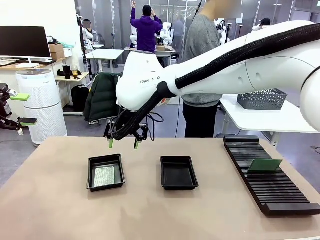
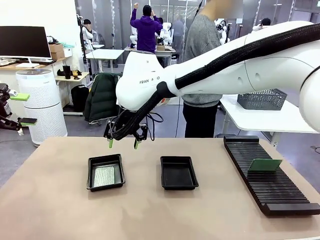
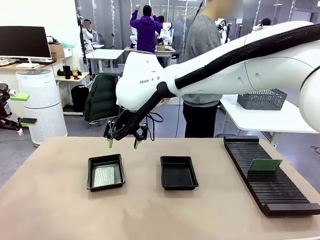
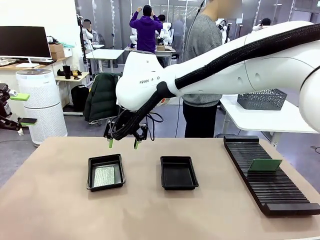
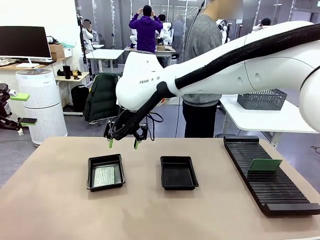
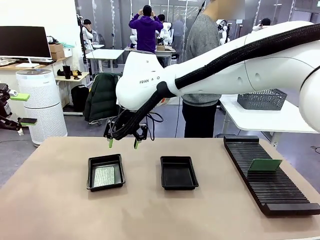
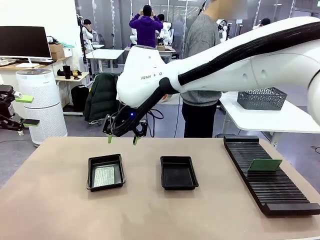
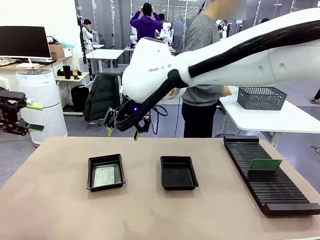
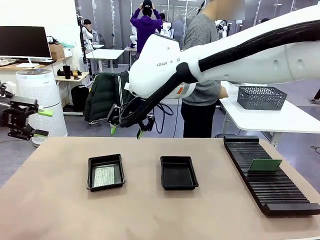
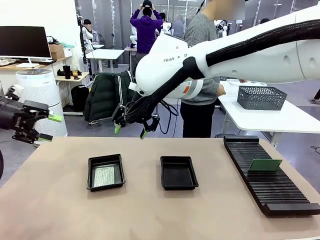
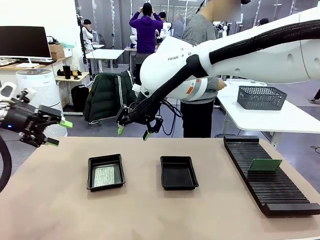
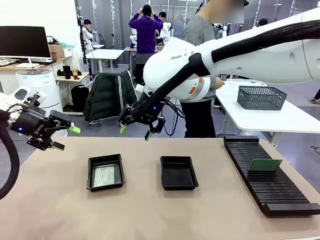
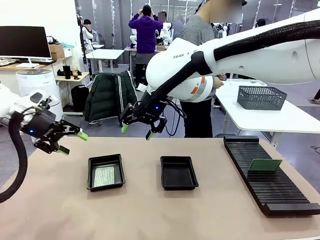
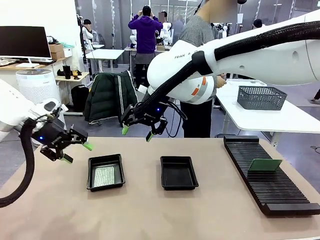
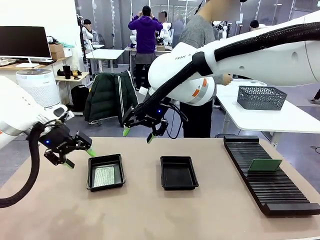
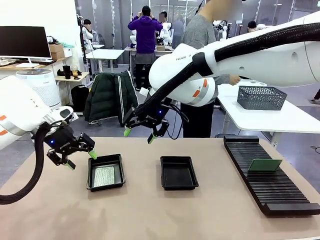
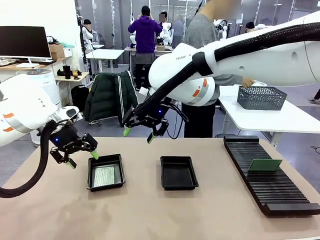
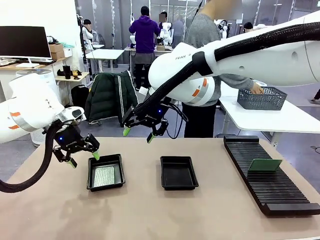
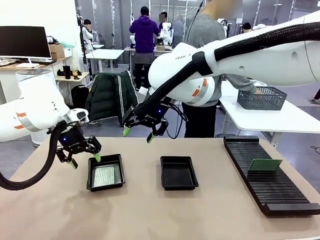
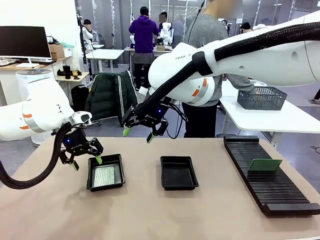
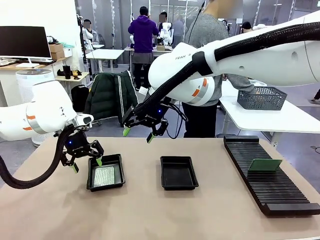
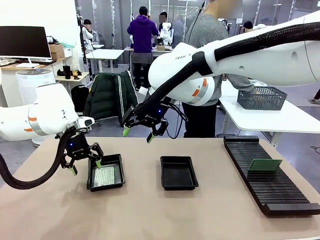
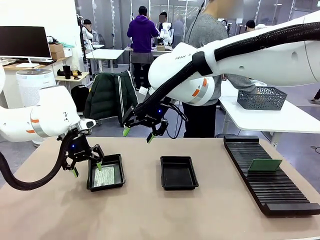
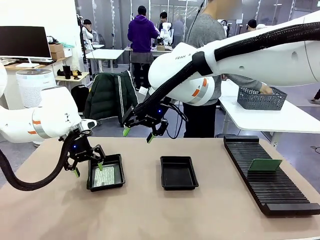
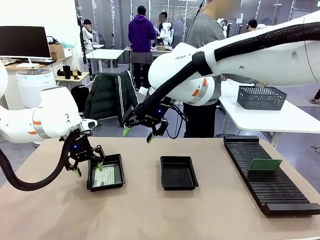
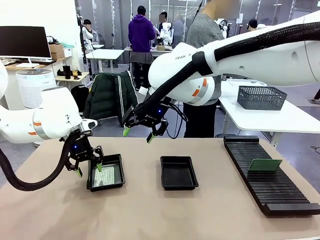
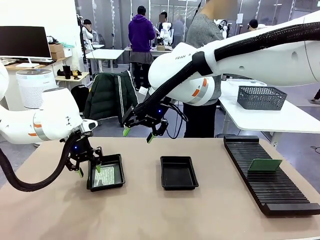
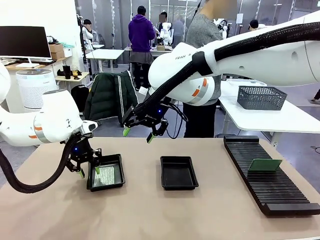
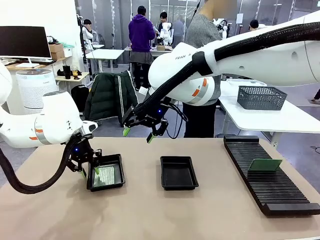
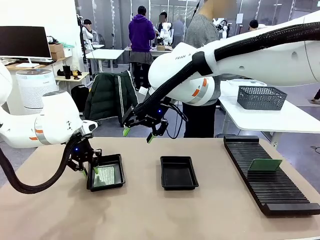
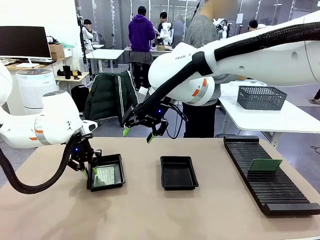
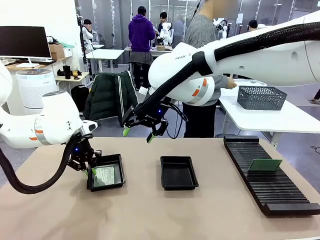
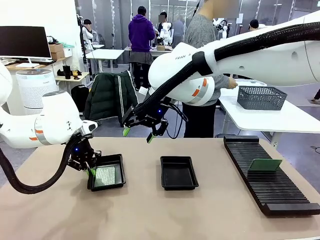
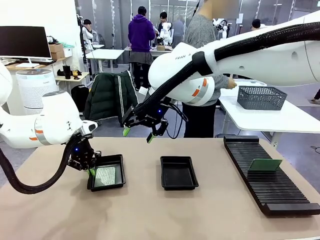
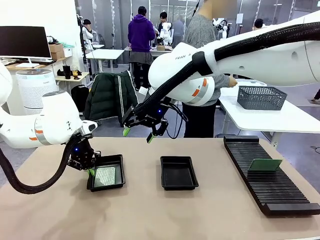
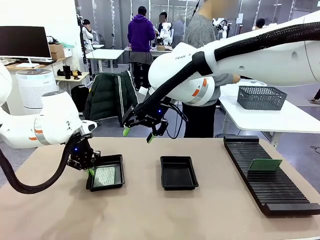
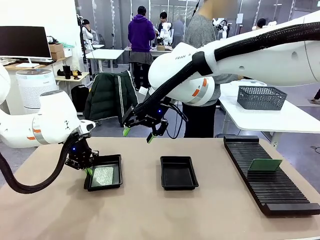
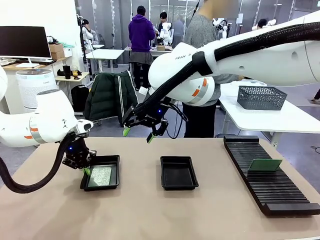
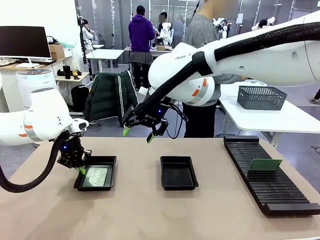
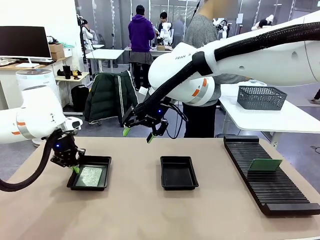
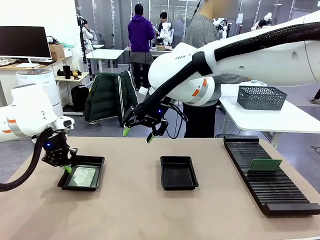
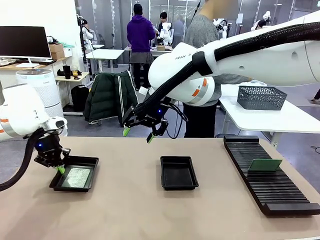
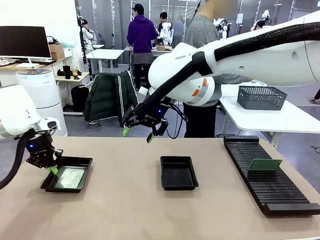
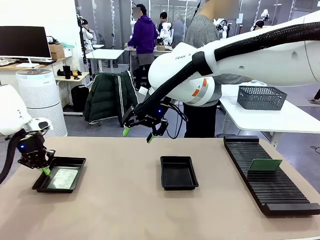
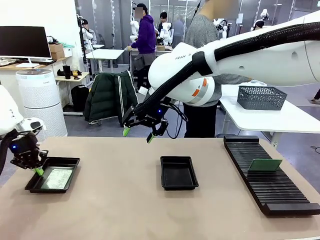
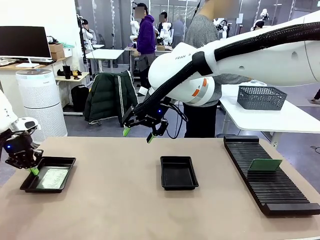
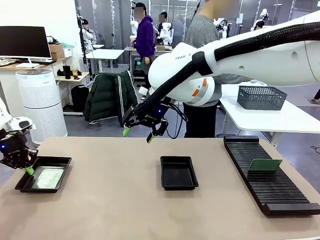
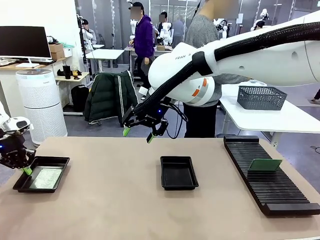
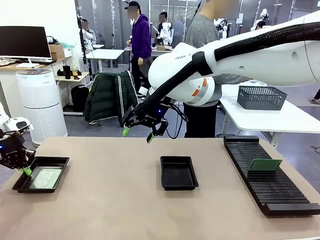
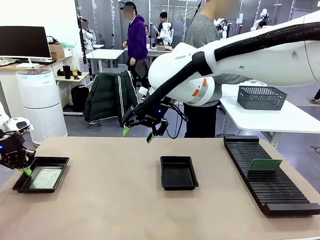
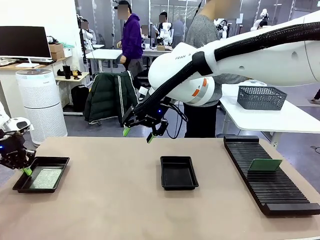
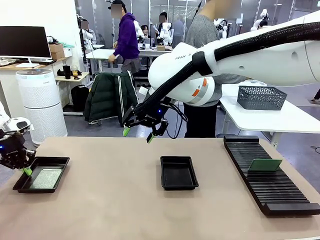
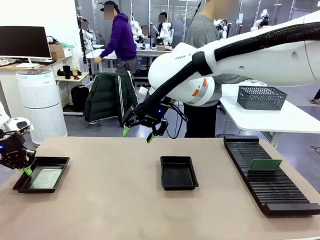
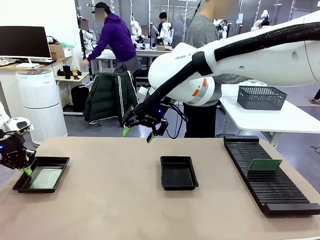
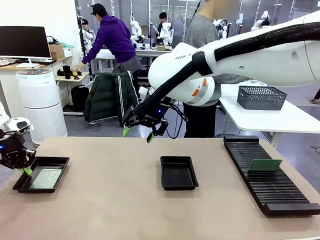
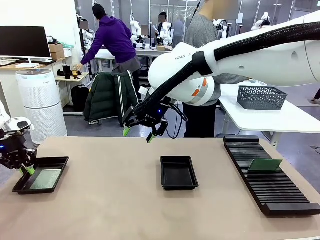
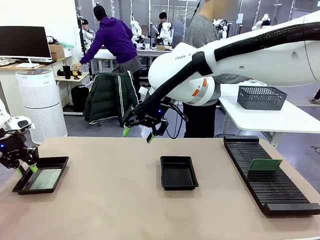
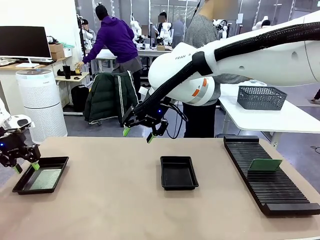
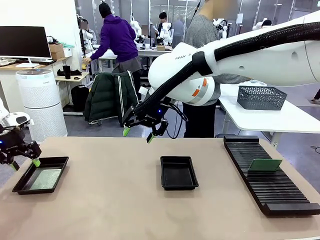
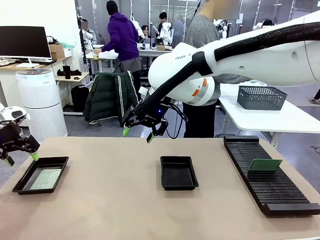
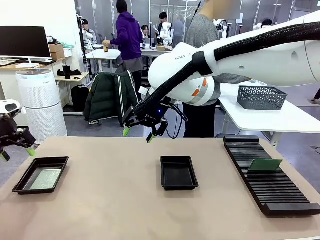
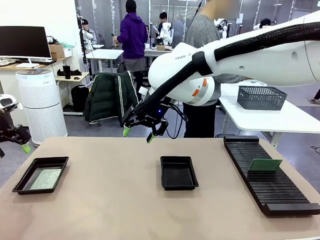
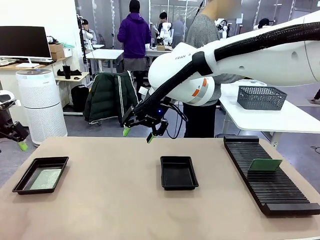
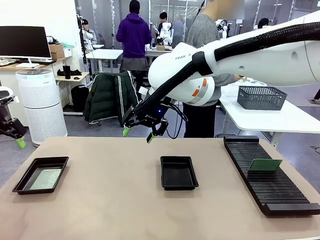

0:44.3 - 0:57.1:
Task: Inspect and transfer BCBs to ESD trays.
Robot: Pick up the ESD tray and place it on the left side of the table.

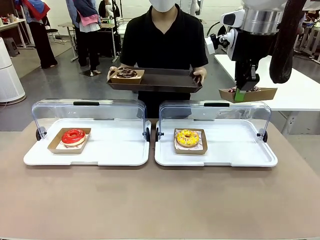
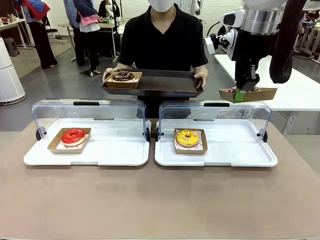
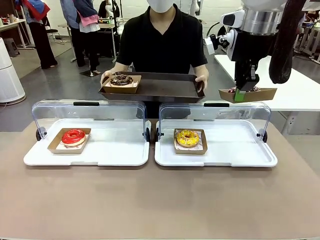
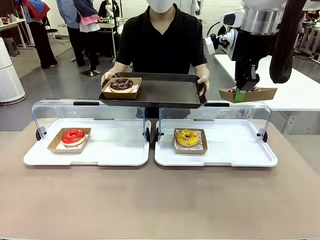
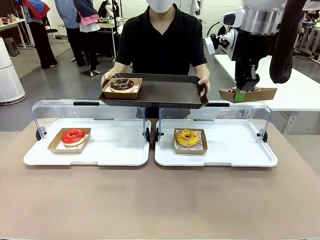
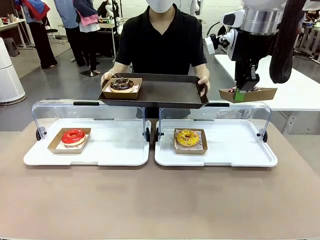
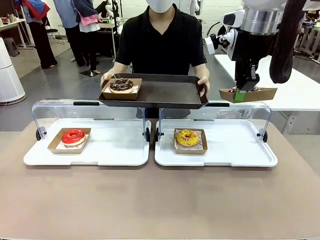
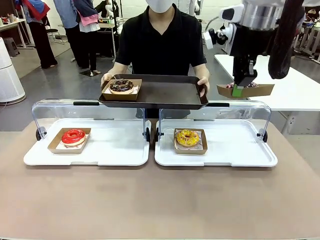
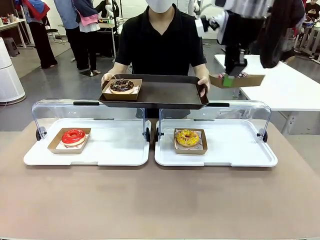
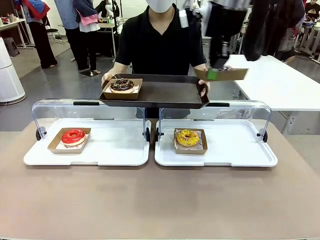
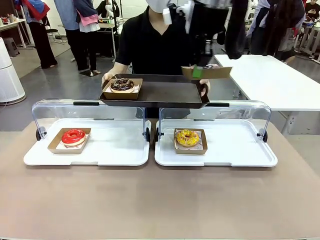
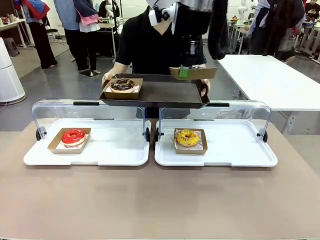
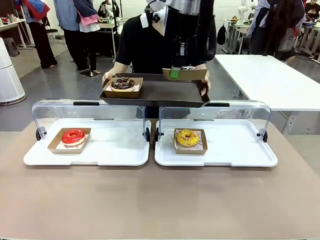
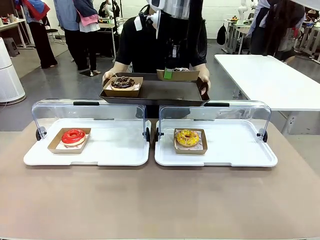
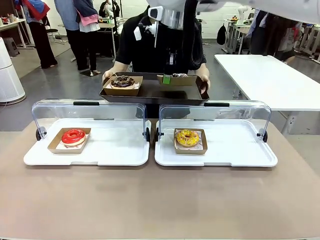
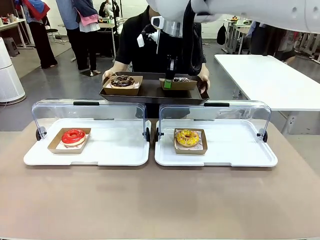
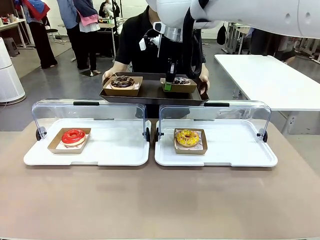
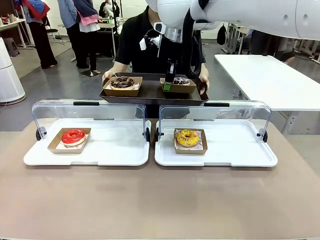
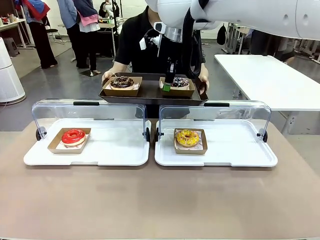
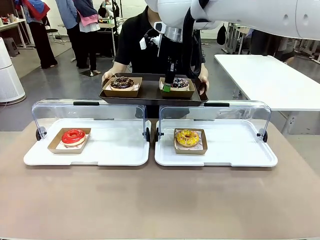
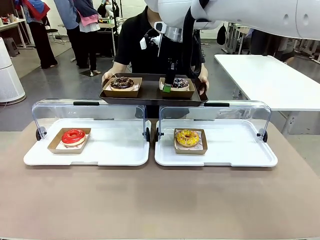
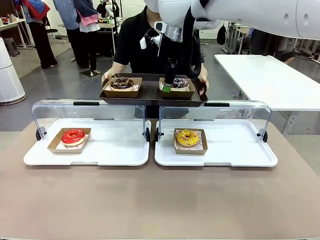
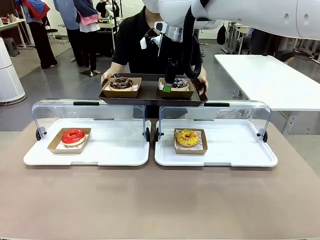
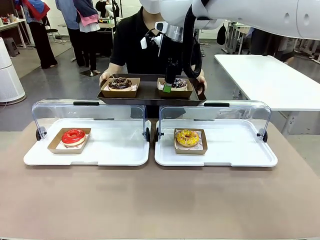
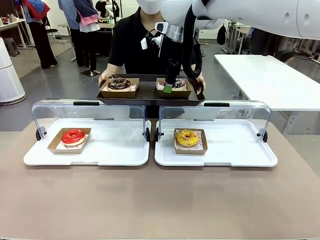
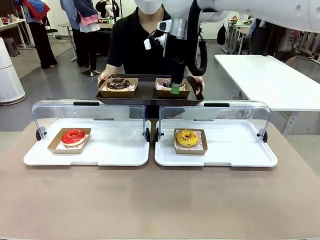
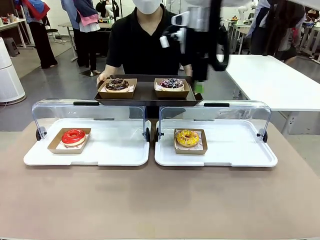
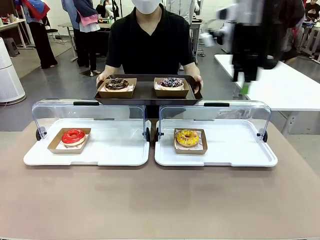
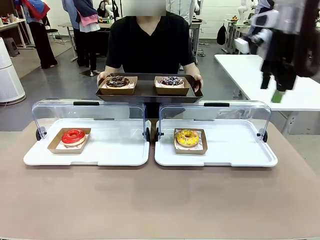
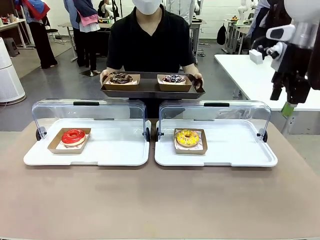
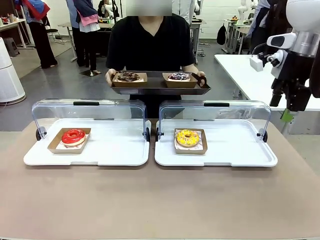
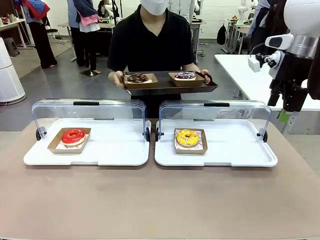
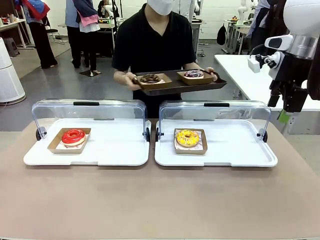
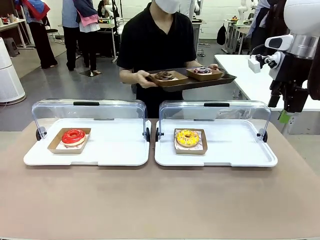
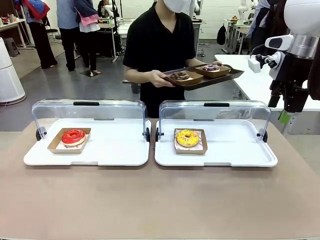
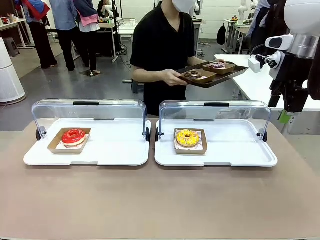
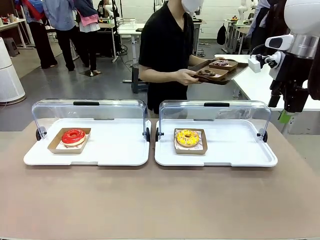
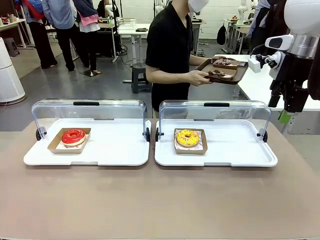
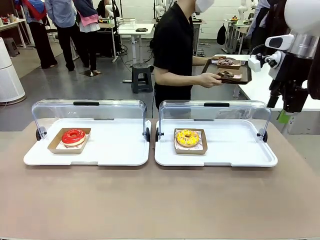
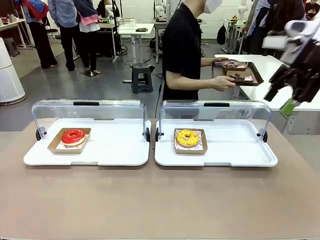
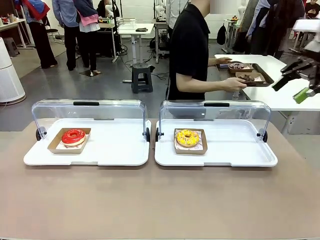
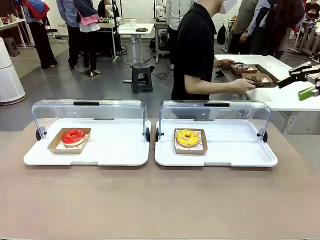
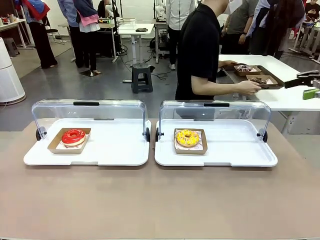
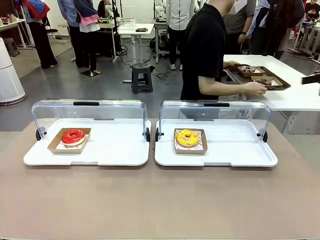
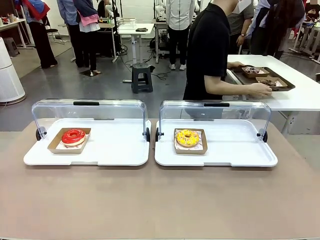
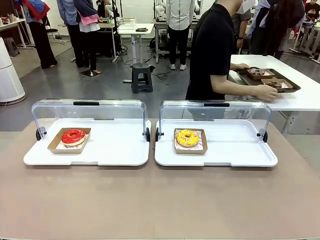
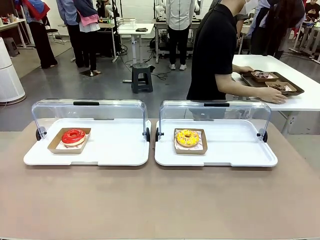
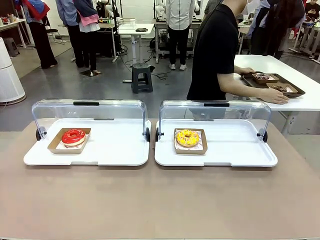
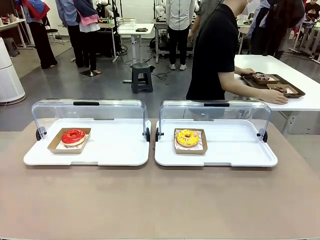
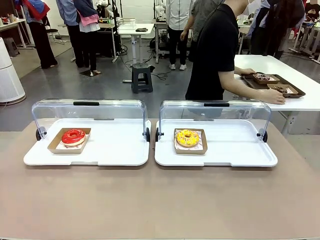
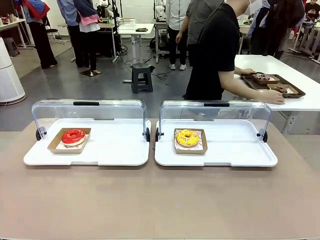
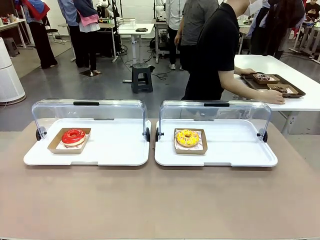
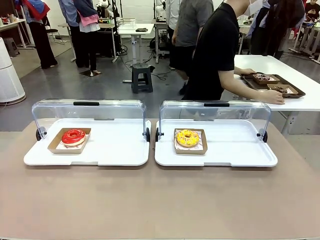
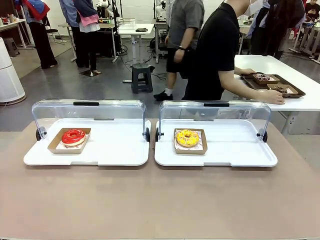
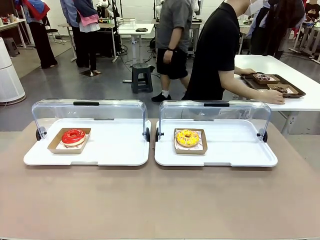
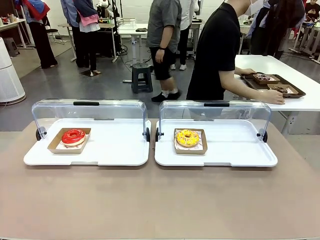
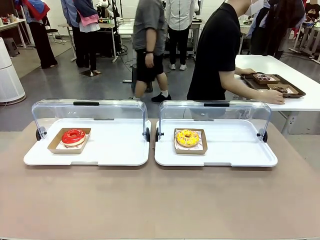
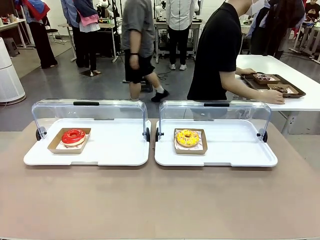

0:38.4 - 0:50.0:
Task: Provide the desired donut to the person.
Robot: Place the picked Paper togo box onto the Handle tray extended by the person.
Person: Place the tray in the middle of the human table.
